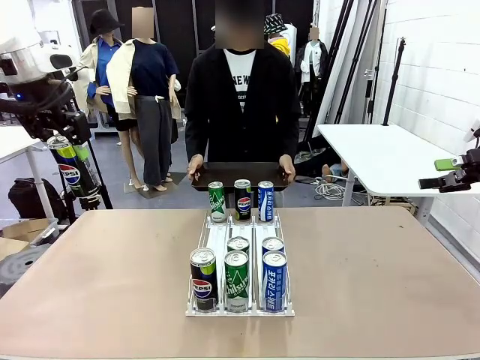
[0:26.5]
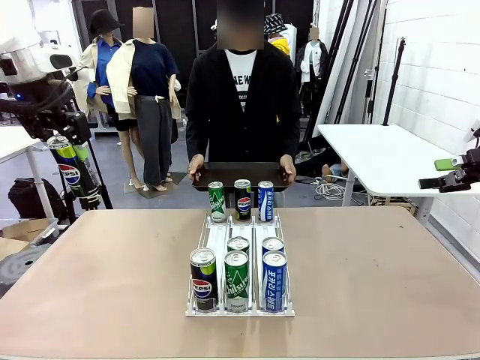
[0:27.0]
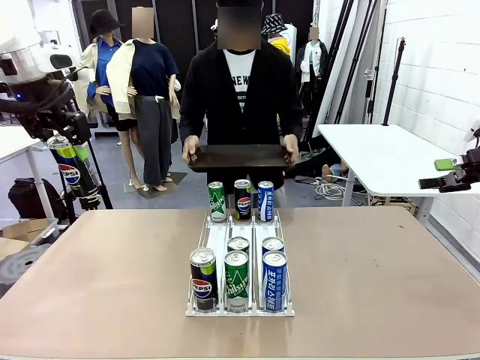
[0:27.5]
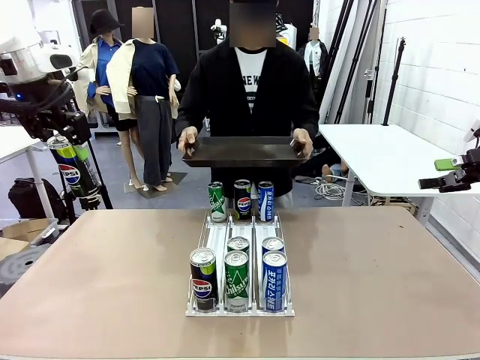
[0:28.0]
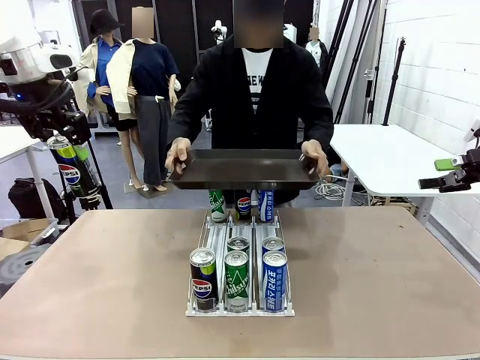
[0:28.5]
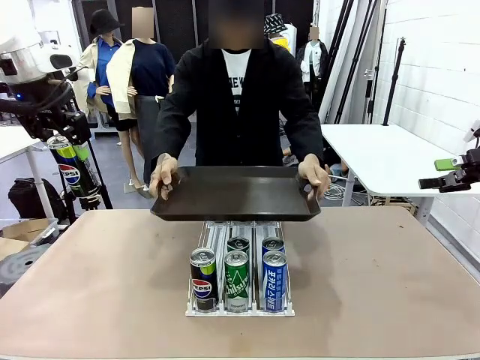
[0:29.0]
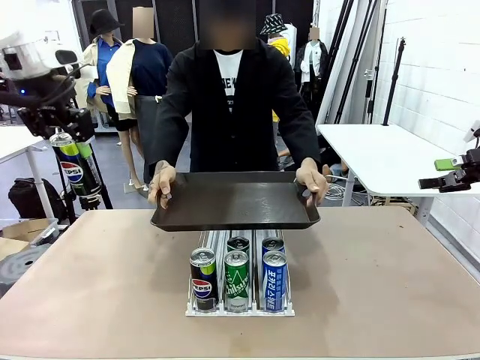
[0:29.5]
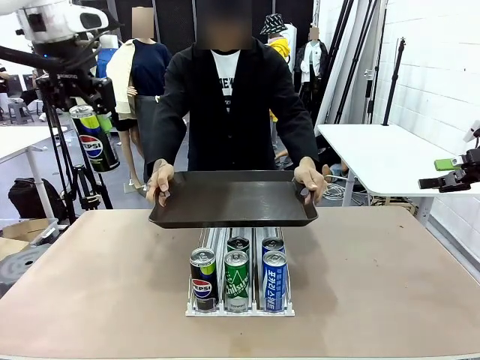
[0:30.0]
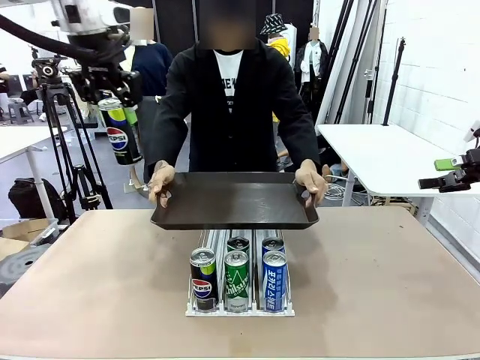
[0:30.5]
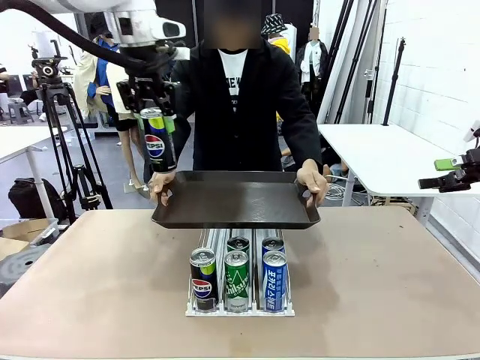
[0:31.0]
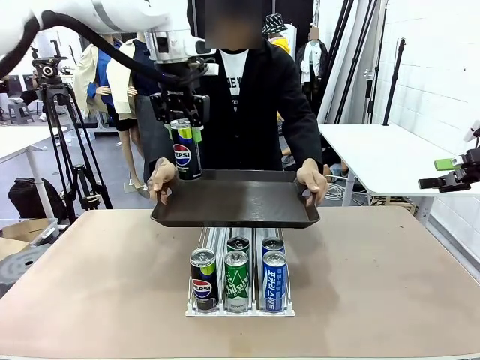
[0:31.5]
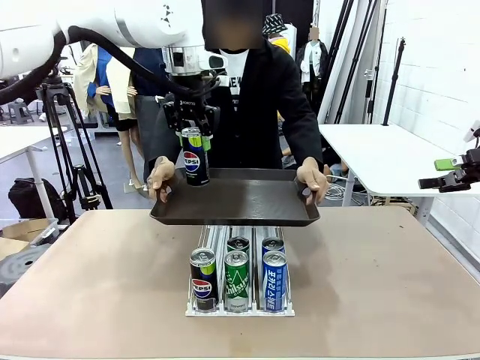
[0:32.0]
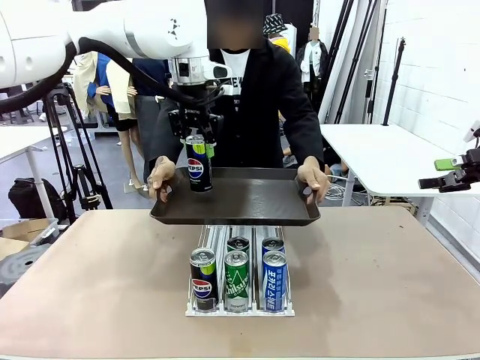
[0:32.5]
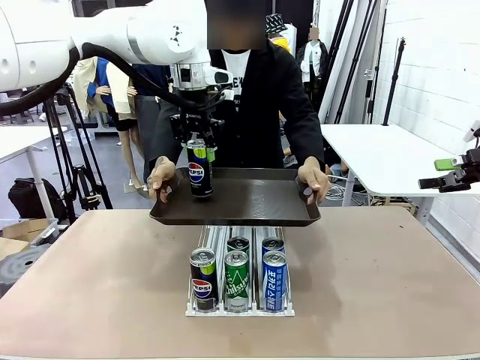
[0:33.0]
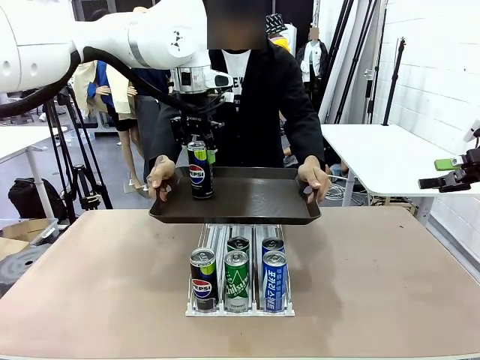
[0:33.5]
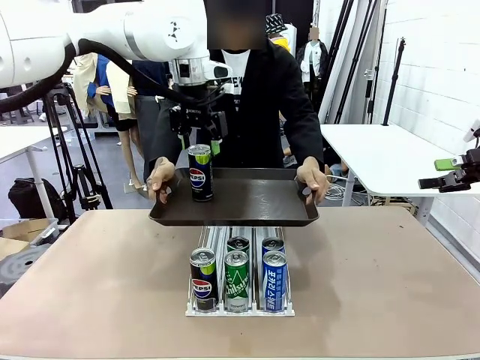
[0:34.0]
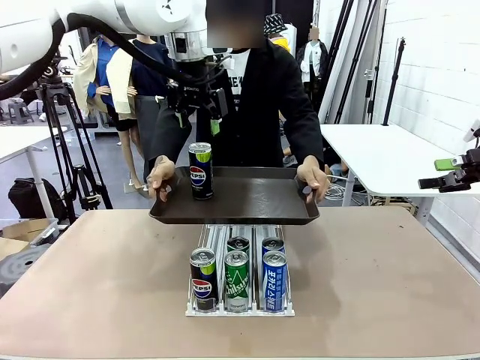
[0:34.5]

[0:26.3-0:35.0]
Task: Retrieve and hand over the desired beverage to the person.
Robot: Place the picked can on the Handle tray extended by the person.

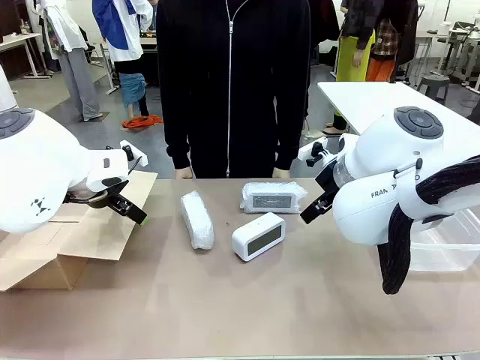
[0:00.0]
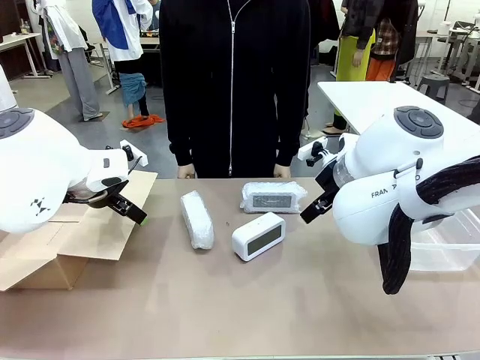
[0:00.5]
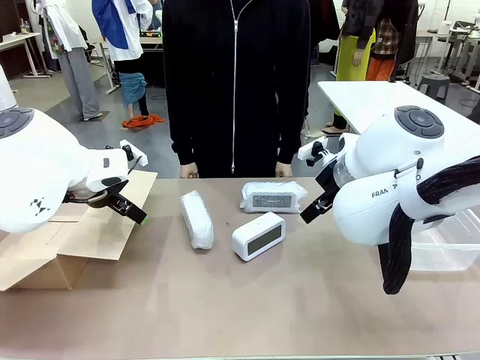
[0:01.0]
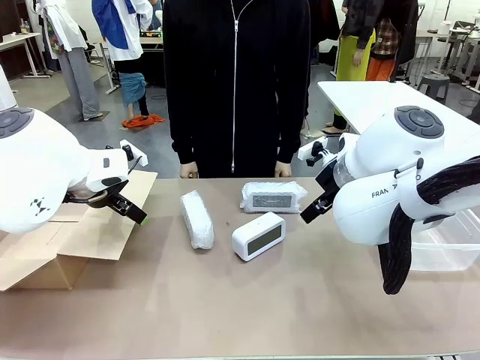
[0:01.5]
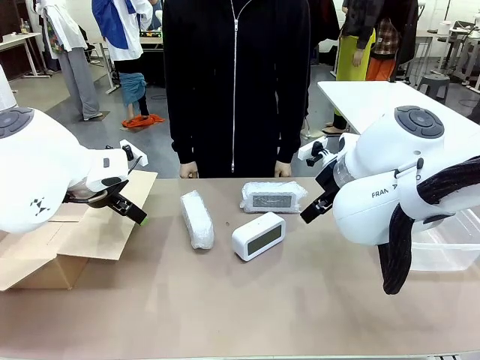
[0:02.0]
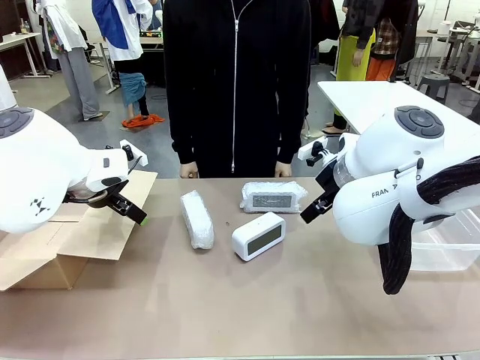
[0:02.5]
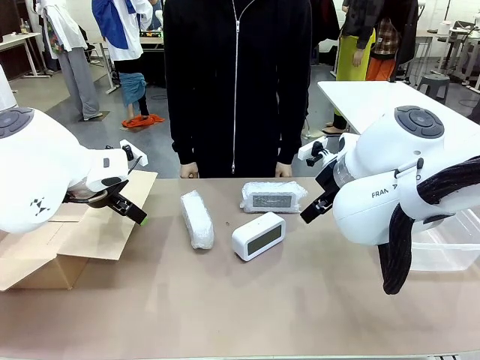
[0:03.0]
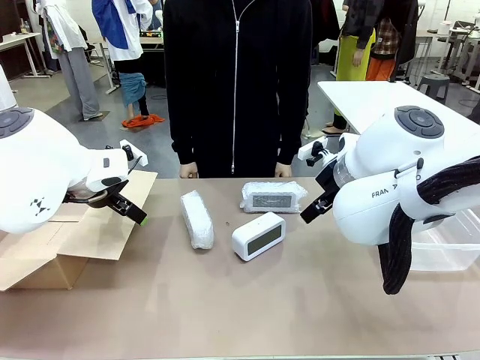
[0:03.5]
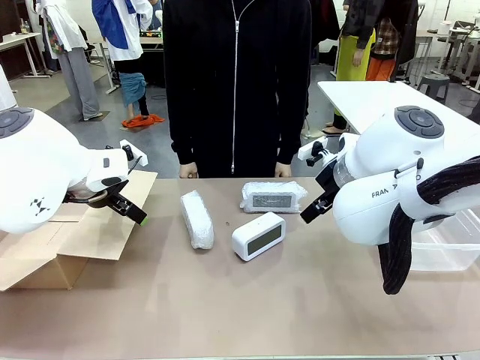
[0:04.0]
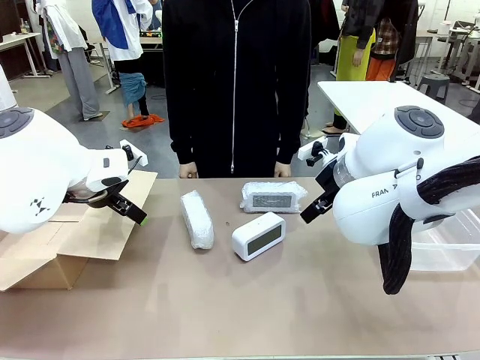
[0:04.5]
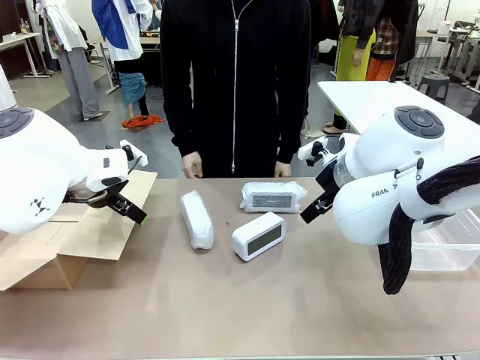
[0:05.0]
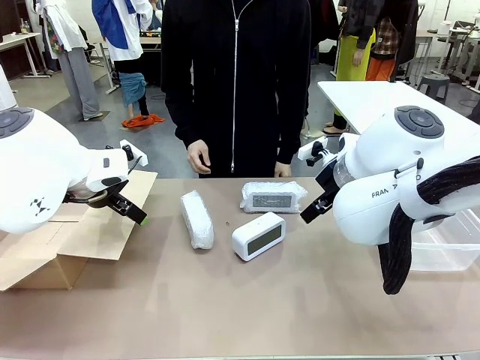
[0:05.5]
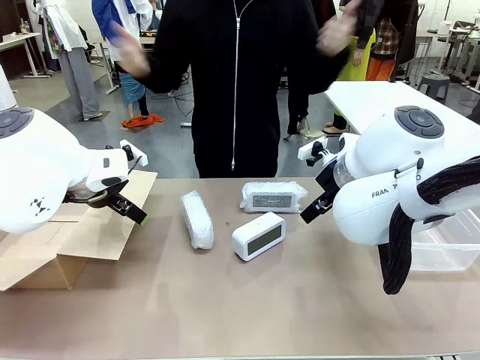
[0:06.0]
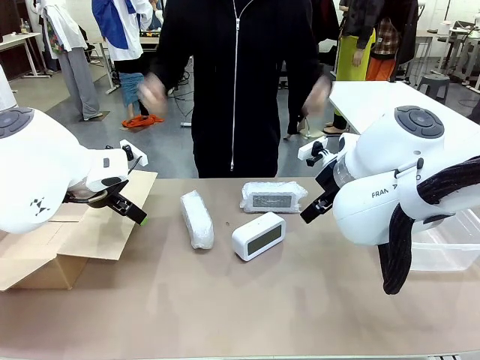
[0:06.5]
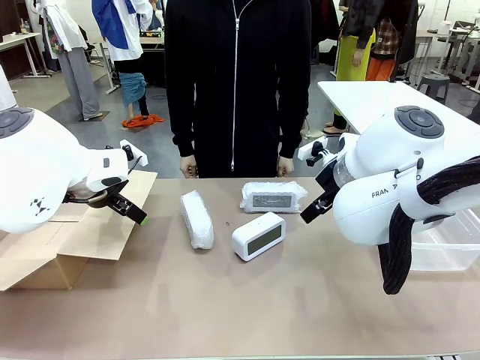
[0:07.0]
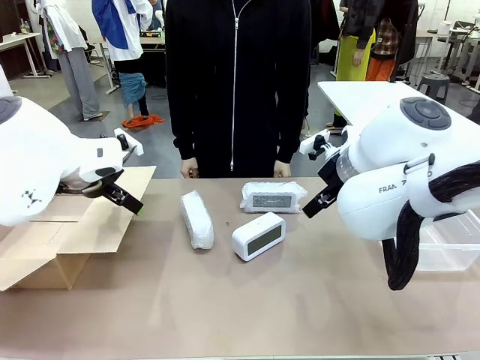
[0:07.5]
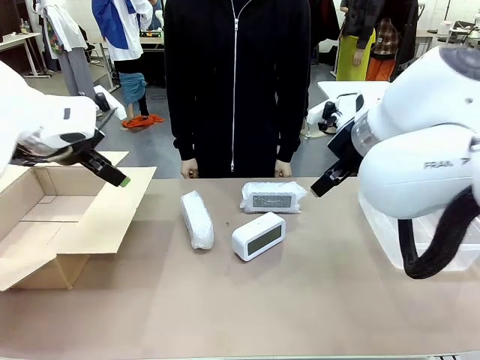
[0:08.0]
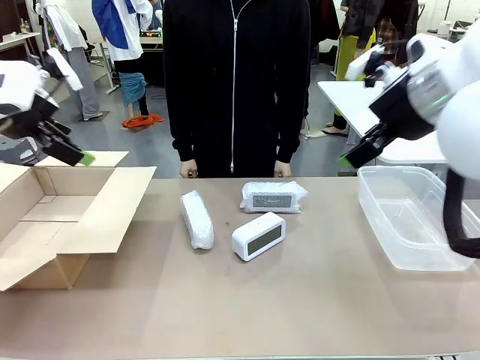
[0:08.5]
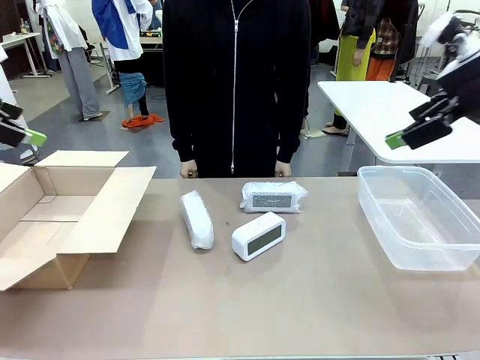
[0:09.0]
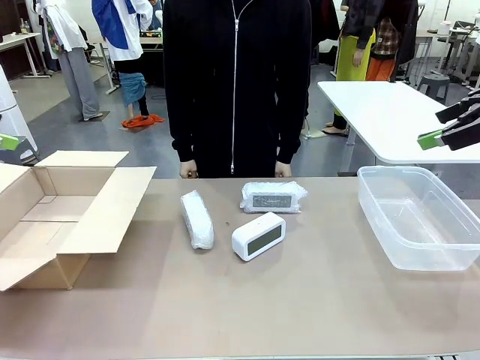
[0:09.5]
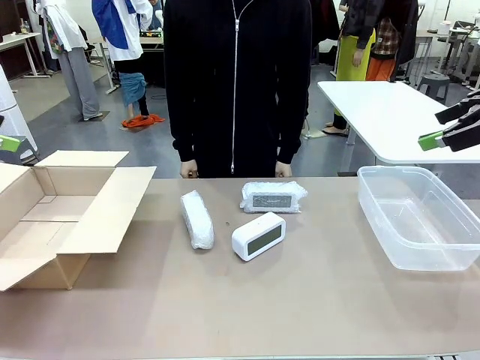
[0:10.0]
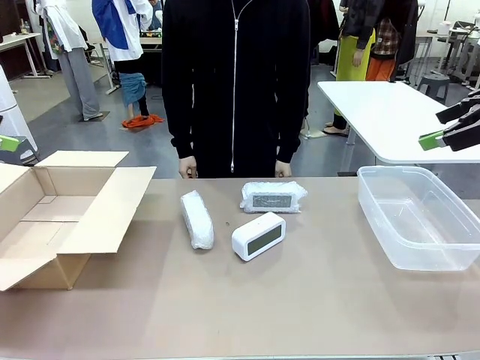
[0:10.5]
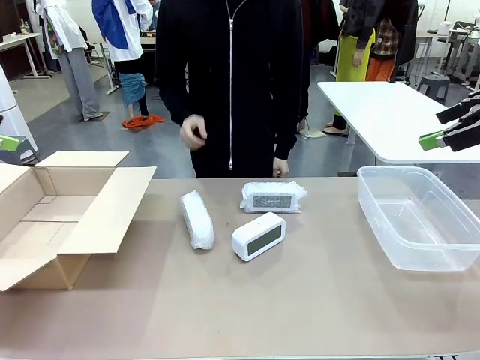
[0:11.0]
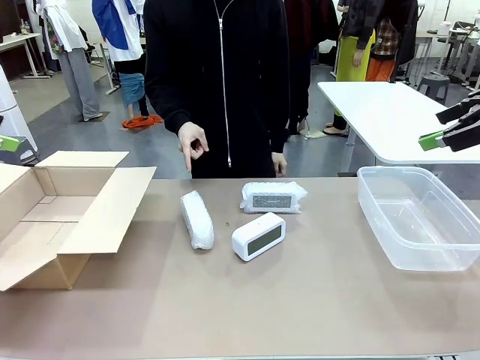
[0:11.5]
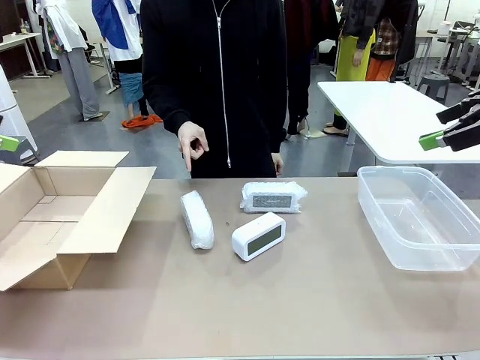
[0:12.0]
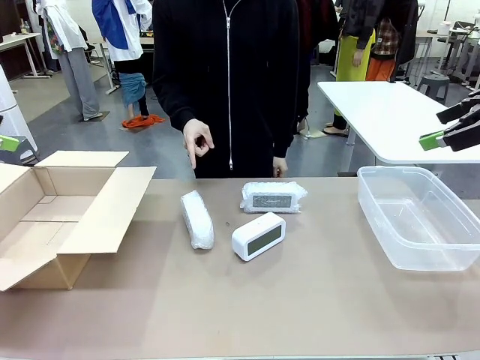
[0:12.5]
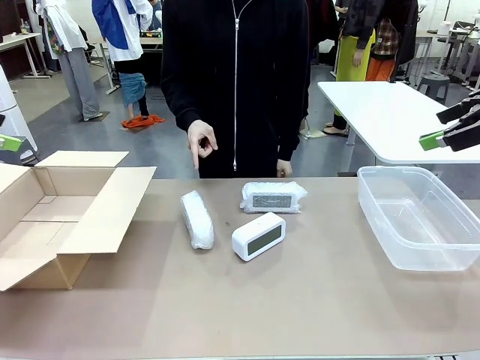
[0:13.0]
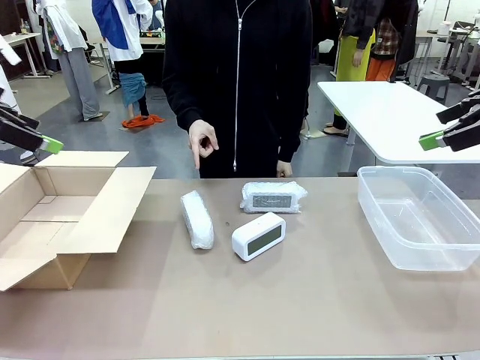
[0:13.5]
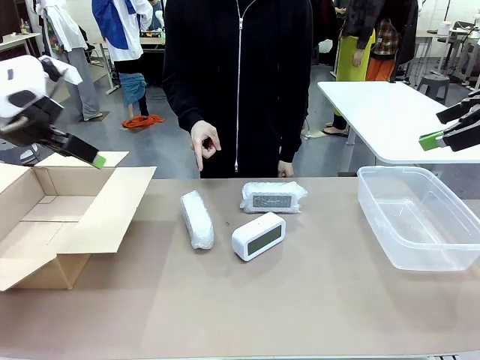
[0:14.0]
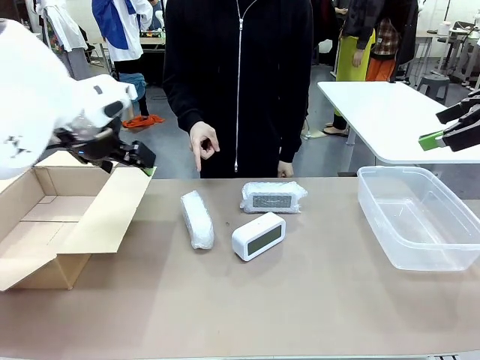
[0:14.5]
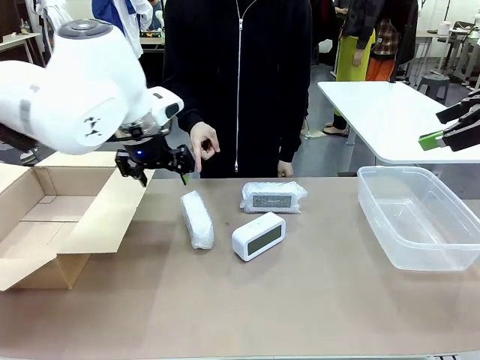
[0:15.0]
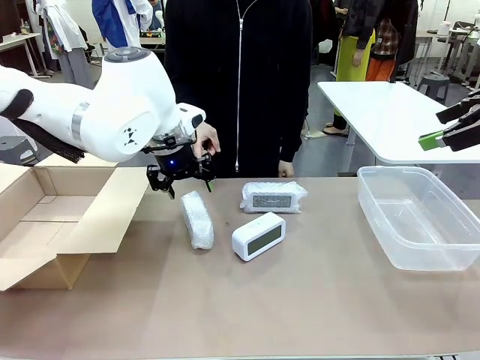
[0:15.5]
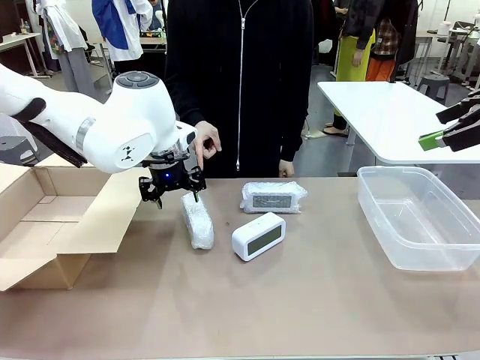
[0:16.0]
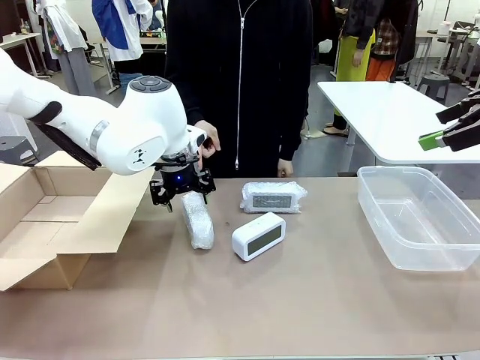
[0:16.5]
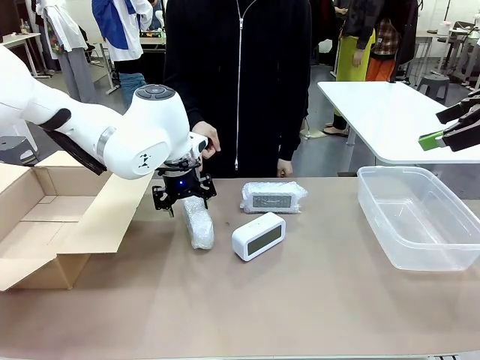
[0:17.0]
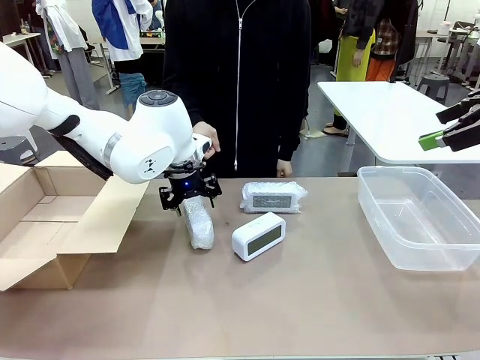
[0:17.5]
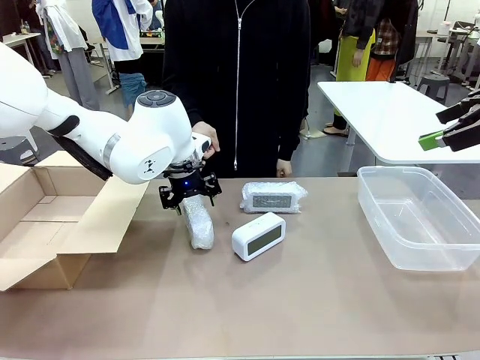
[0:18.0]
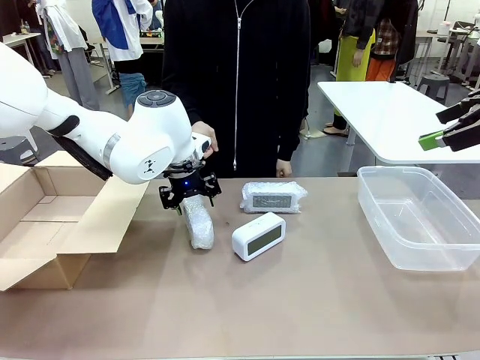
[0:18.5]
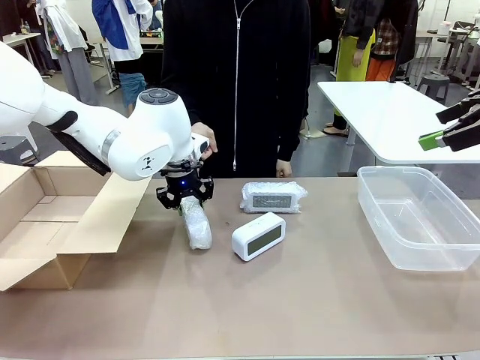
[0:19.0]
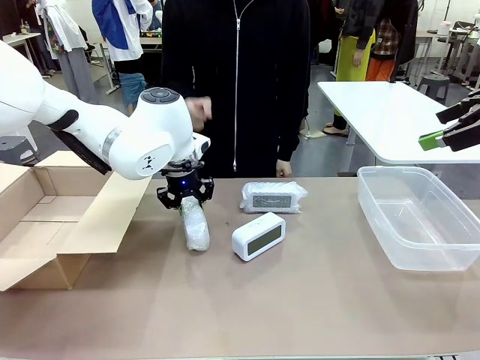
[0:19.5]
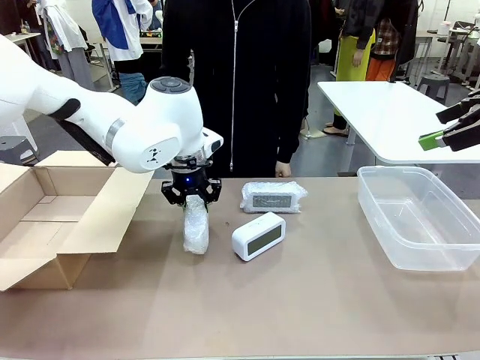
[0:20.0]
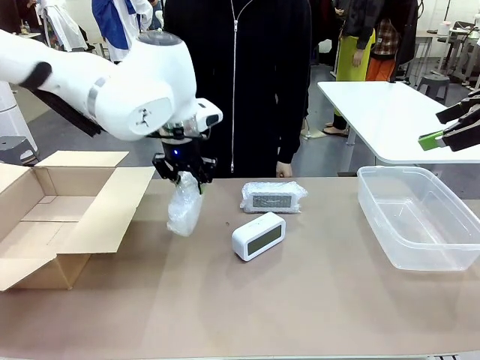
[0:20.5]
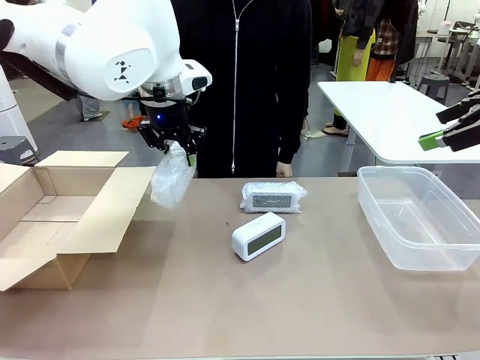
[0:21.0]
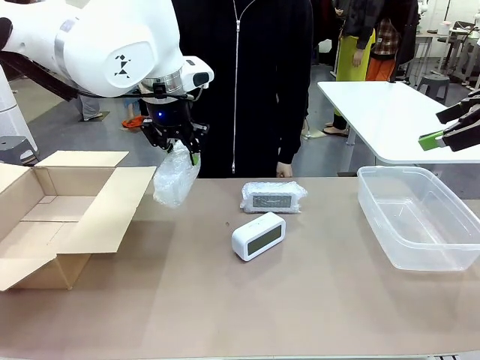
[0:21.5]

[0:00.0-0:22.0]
Task: Separate and place wrapped and unwrapped clocks.
Robot: Pick up the Digital clock indicated by the person.
